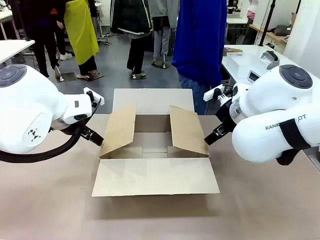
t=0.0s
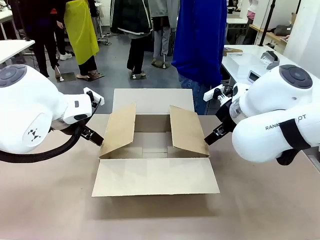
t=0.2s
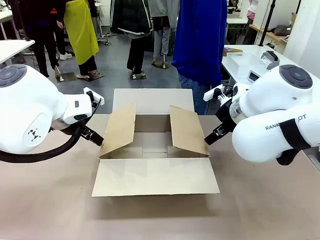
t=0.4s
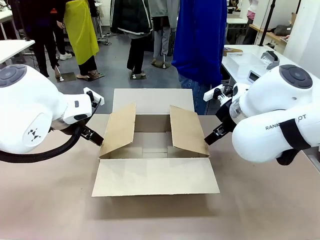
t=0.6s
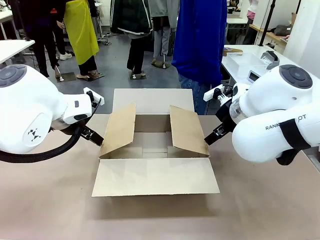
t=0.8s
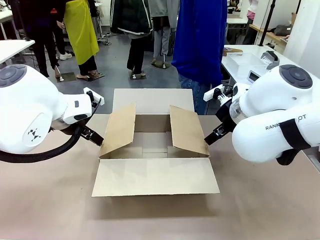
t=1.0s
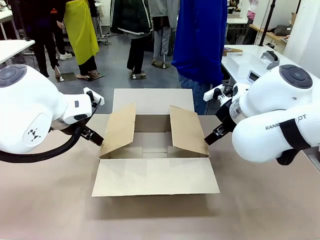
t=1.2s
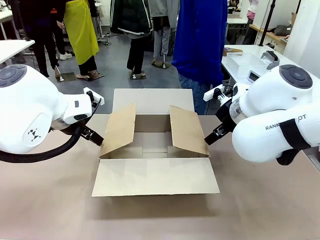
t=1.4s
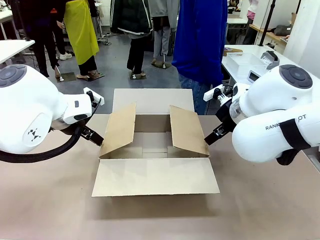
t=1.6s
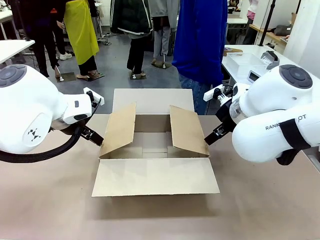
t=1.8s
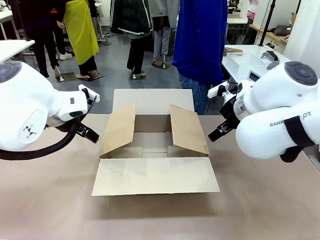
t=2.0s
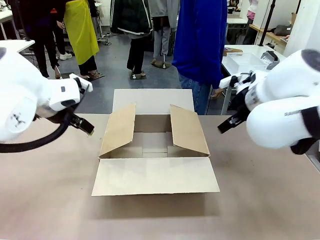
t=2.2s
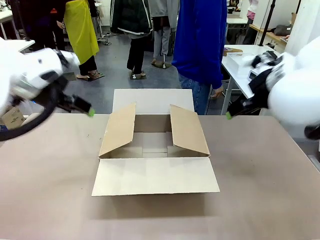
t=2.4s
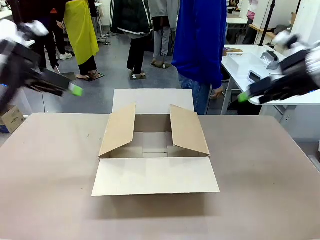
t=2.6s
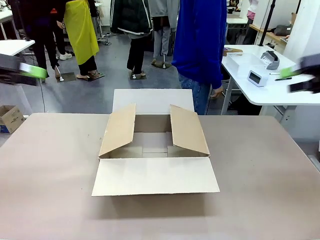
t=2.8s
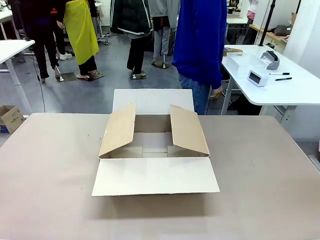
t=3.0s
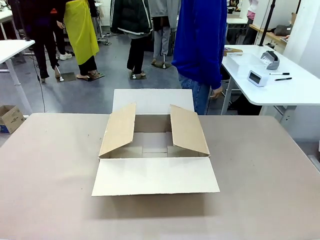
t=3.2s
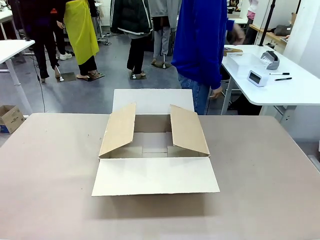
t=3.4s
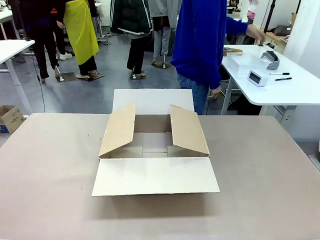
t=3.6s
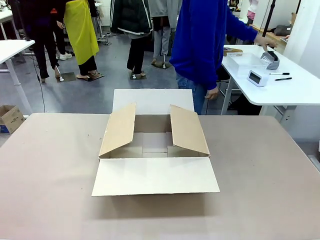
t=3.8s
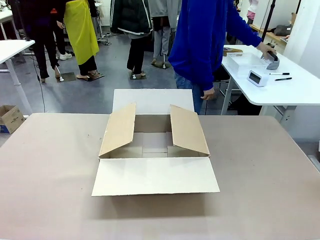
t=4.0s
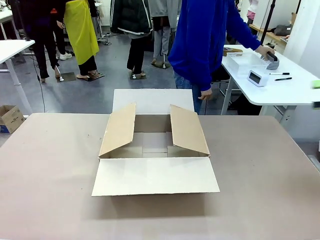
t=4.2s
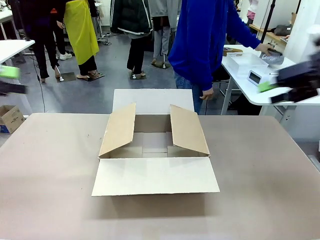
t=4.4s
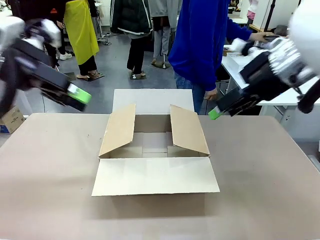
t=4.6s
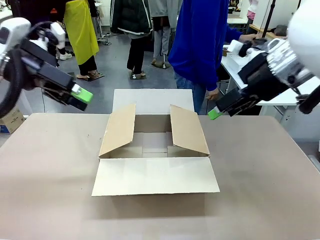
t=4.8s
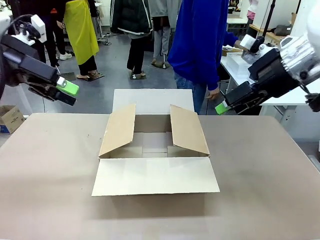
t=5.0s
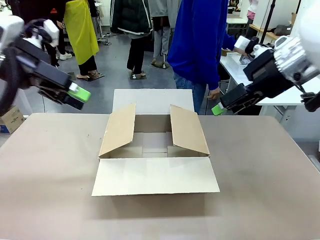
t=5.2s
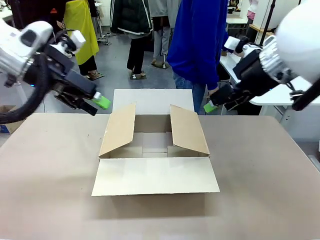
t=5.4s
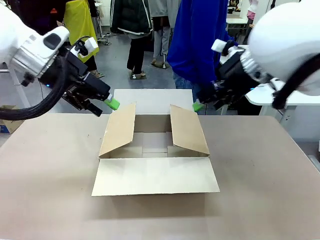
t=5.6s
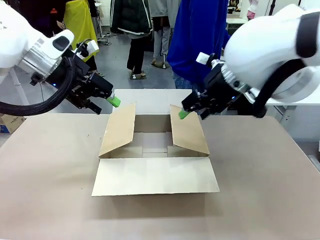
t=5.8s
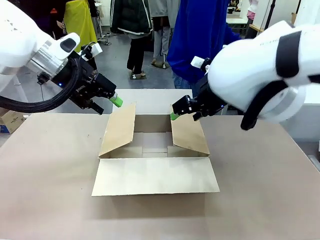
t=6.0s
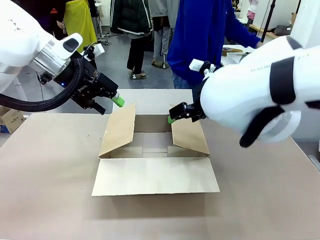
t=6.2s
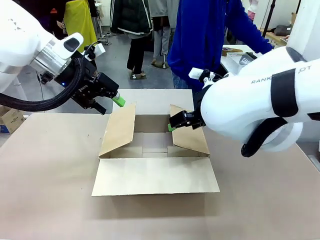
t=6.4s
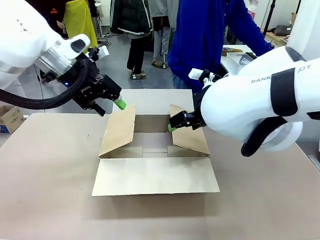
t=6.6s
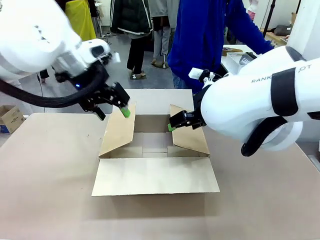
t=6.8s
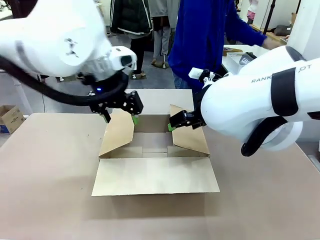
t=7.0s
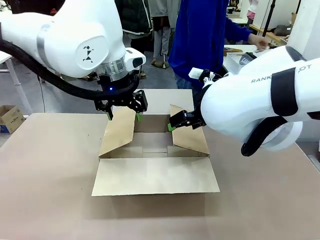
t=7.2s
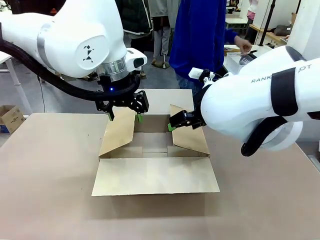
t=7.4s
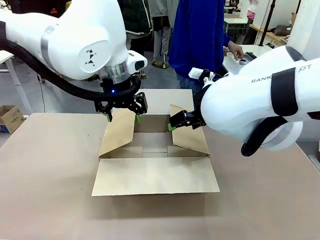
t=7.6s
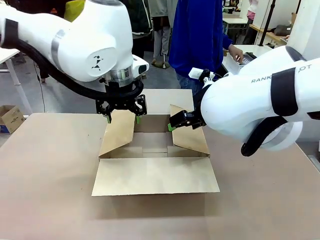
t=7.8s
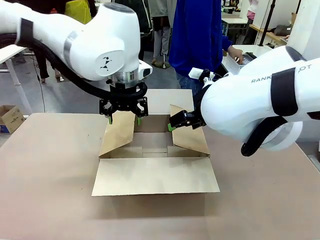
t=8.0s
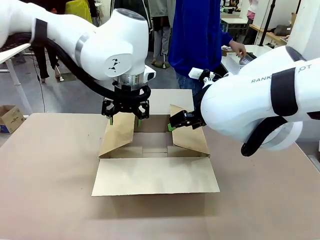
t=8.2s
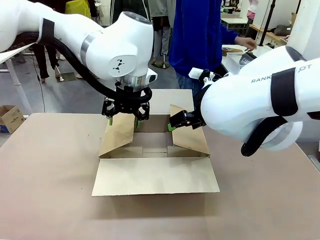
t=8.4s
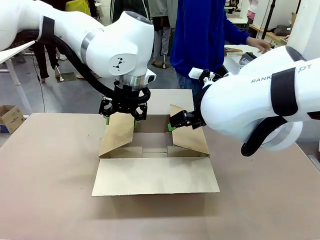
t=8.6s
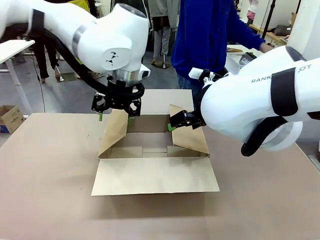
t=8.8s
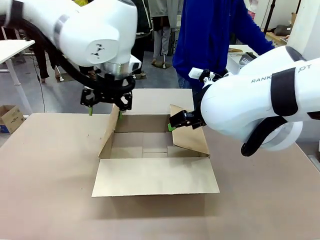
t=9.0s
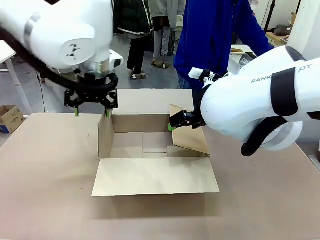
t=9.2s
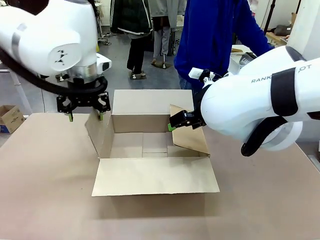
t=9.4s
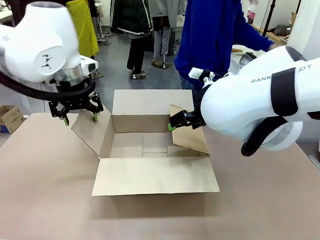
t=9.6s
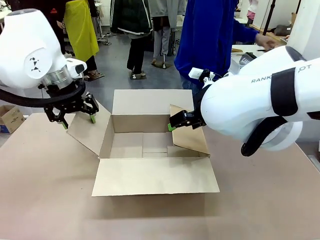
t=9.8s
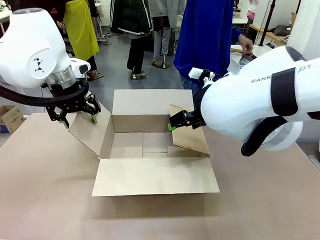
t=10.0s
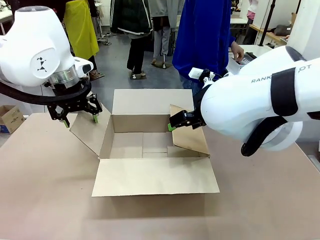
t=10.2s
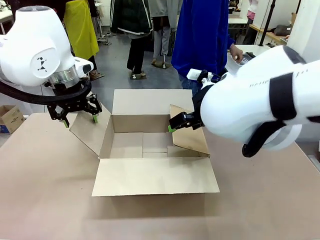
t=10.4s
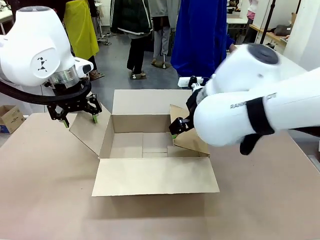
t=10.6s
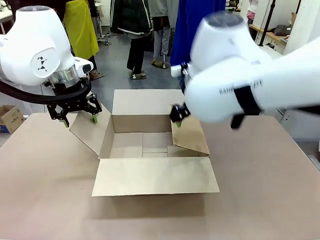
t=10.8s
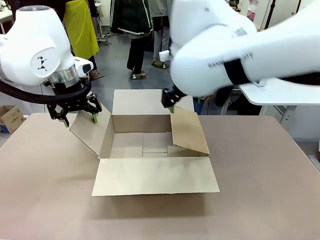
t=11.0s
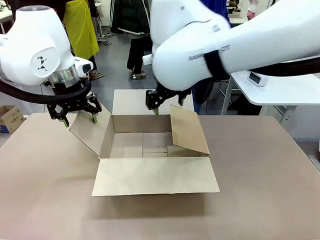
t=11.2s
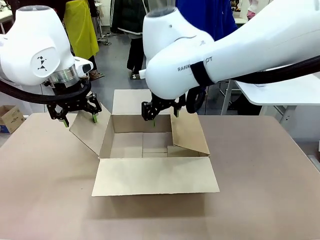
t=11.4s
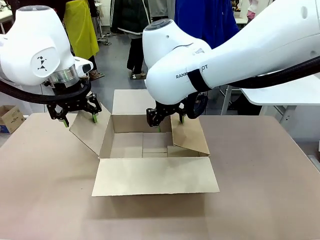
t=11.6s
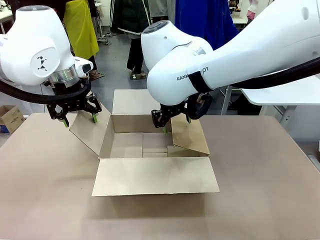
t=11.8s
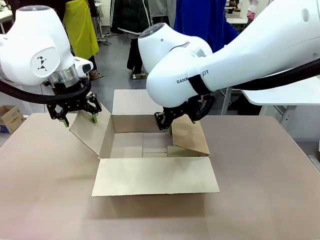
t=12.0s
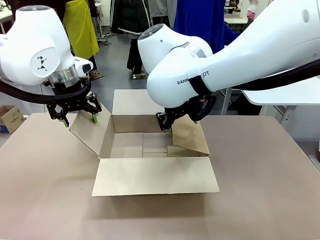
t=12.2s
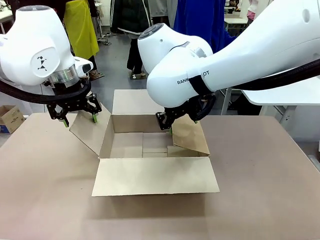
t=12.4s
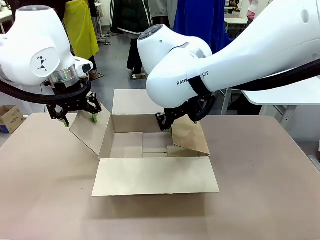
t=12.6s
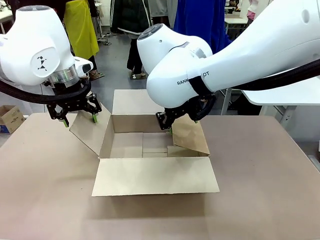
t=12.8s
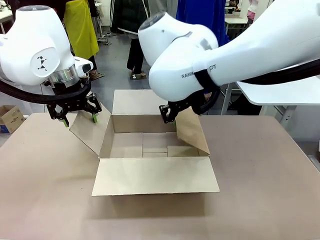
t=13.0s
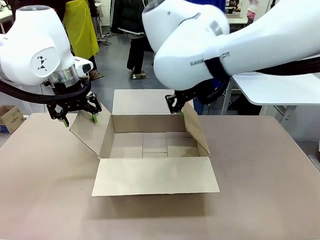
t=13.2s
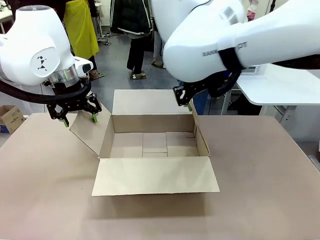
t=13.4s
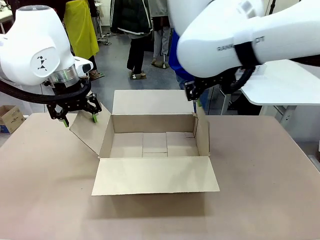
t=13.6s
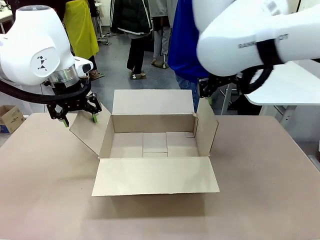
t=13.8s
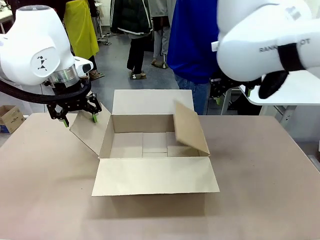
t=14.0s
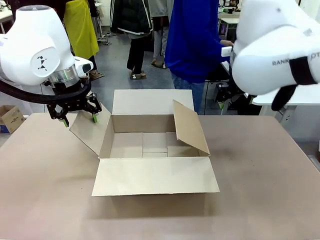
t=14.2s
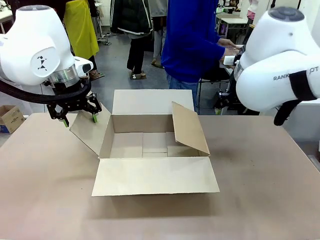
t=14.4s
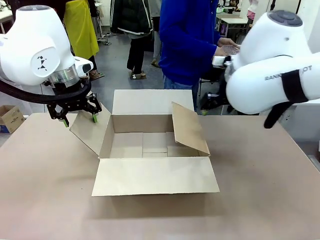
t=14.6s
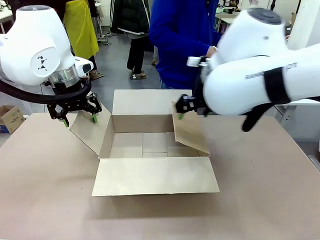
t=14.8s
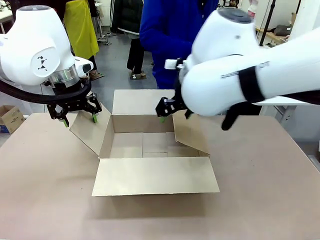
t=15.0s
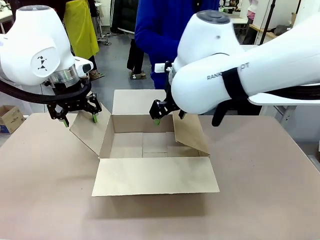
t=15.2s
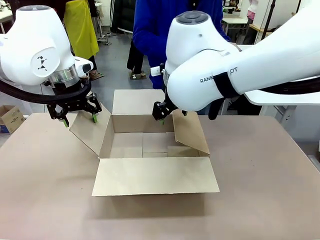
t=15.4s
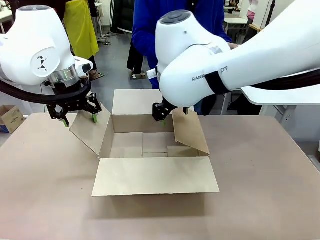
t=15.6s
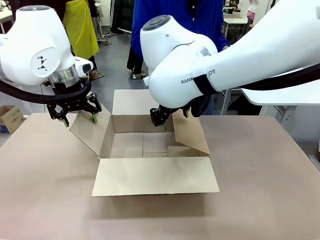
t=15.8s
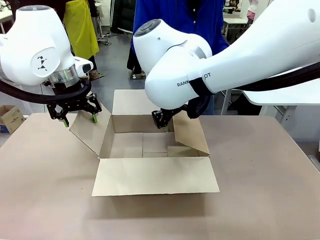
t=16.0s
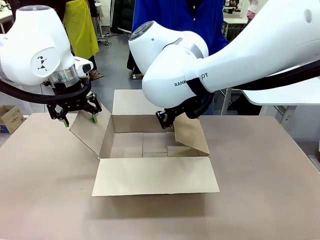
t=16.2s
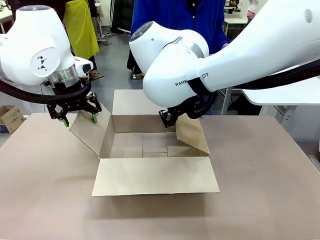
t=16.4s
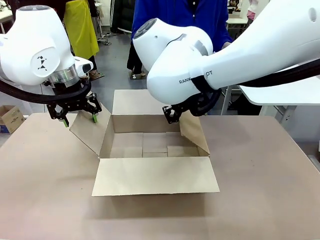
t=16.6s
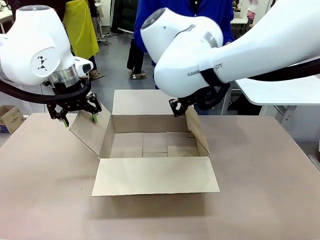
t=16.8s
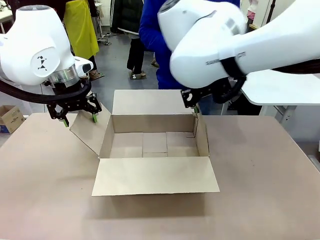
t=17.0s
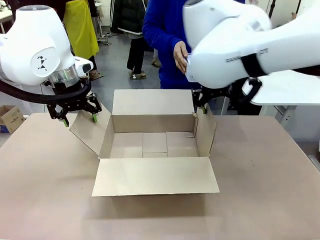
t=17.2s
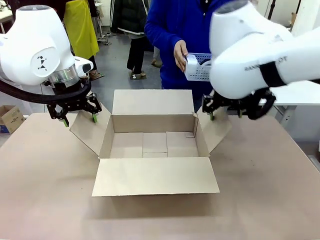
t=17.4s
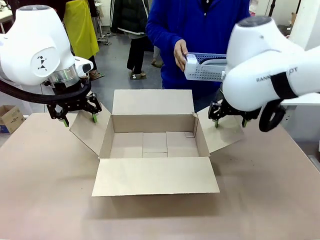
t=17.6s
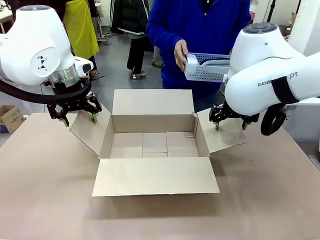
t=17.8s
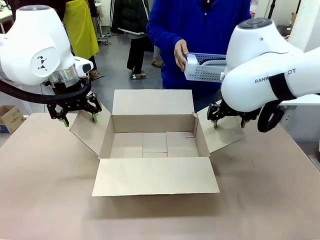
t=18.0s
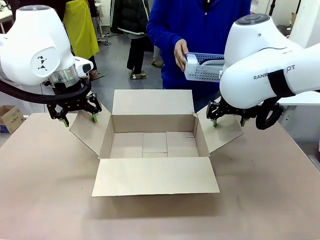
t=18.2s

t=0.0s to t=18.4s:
Task: Pack the gift set into the box.
Robot: Place both hands on the side flaps of the Package Box and spread them outward.
Person: The human places all items except the paper tape into the organizing basket.

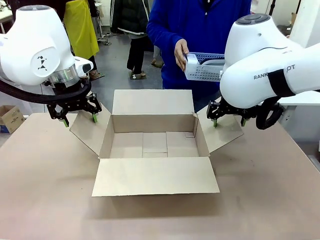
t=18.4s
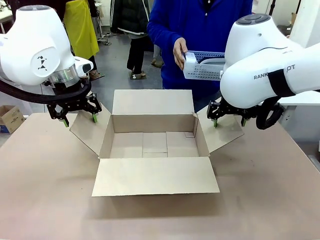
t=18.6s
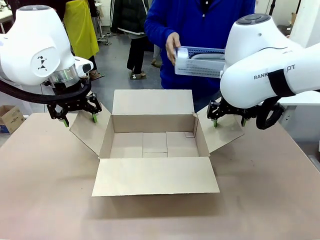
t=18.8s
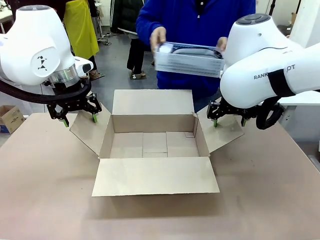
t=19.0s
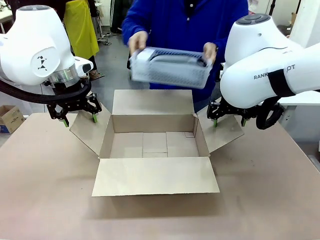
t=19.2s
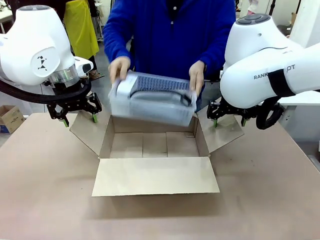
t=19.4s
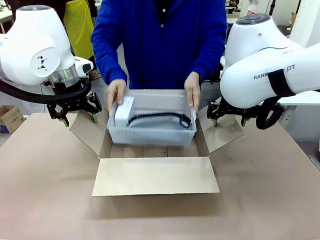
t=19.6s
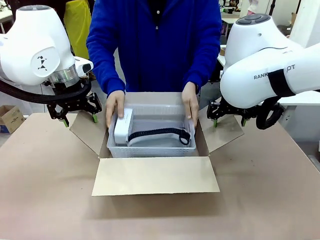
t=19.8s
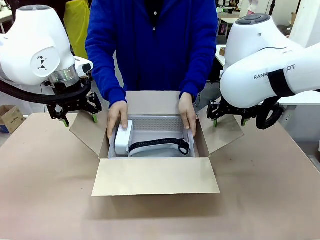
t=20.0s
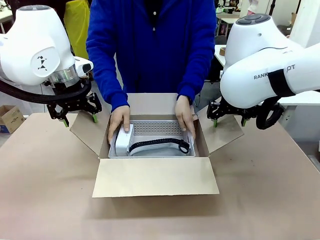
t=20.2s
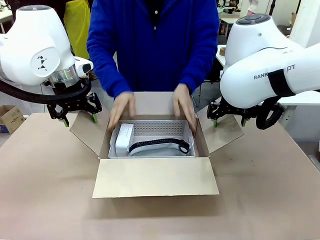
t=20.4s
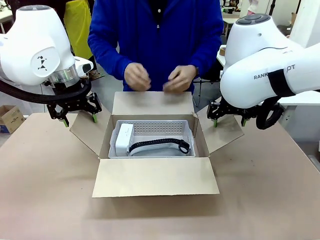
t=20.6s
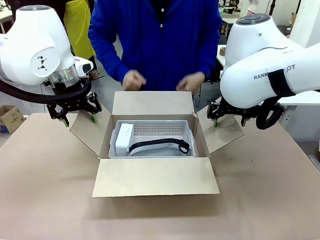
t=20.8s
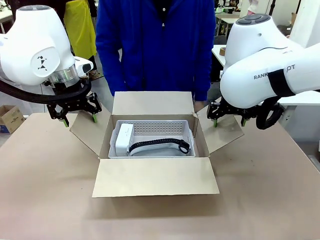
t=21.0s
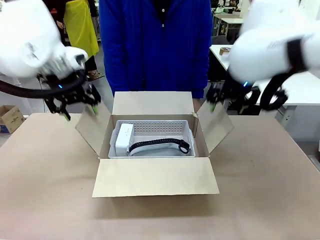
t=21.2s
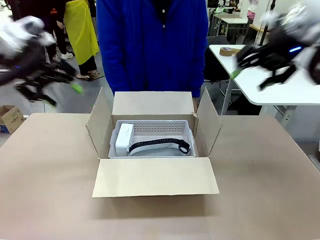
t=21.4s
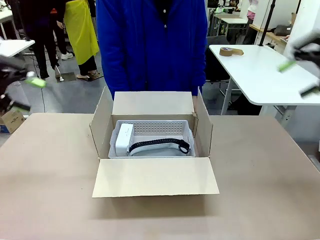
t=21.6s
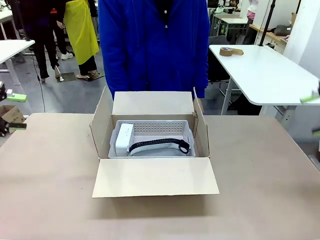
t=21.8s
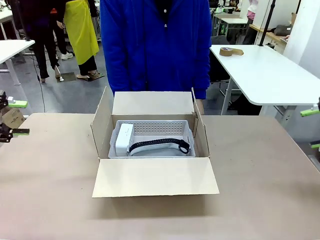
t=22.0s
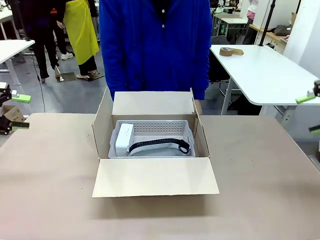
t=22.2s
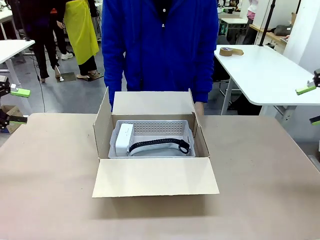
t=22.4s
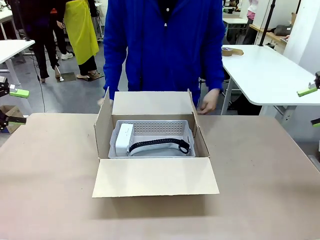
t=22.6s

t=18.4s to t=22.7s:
Robot: Lift both hands away from the flaps of the Package Box.
Person: The human picks up the organizing basket and places the organizing basket into the package box on the robot table.
